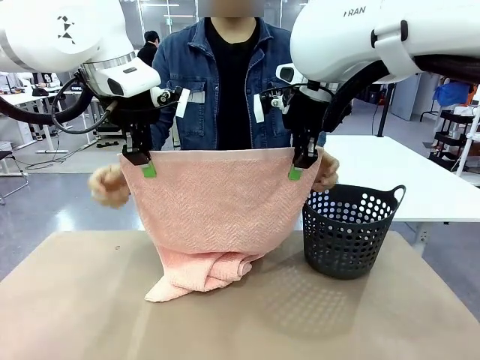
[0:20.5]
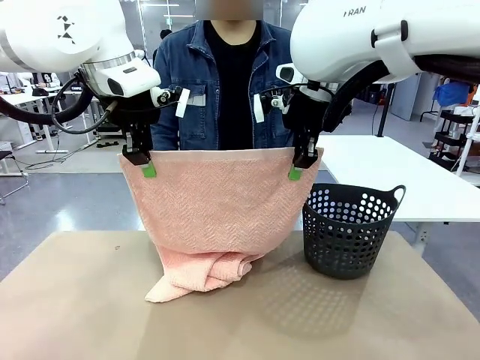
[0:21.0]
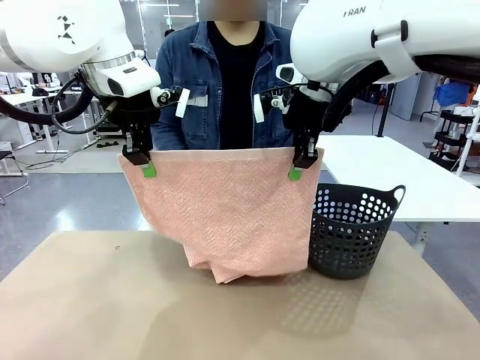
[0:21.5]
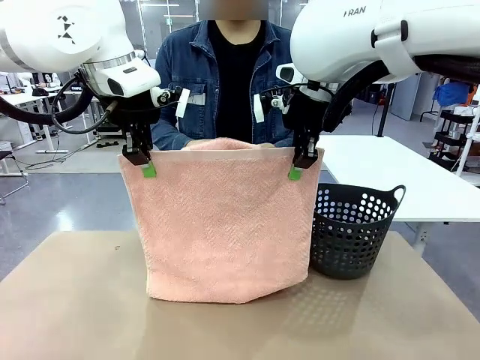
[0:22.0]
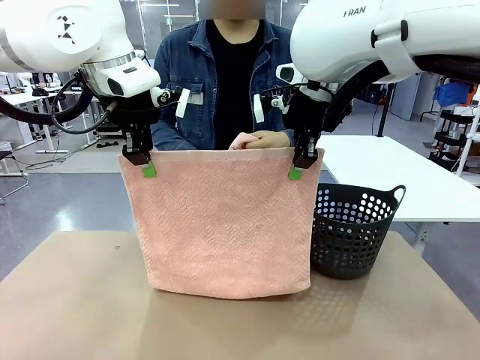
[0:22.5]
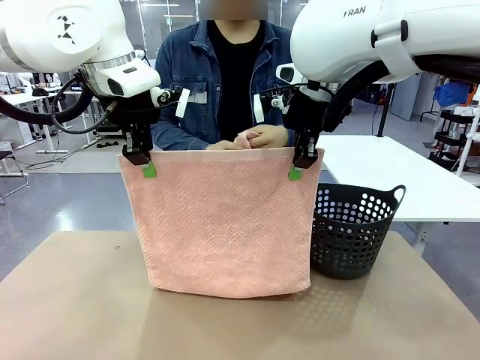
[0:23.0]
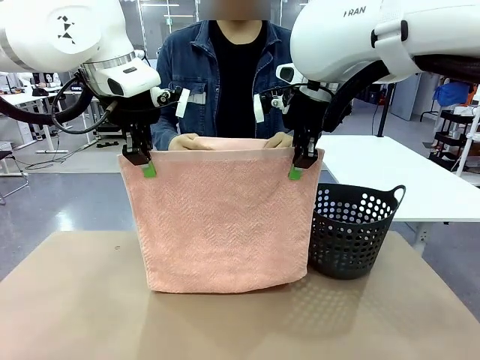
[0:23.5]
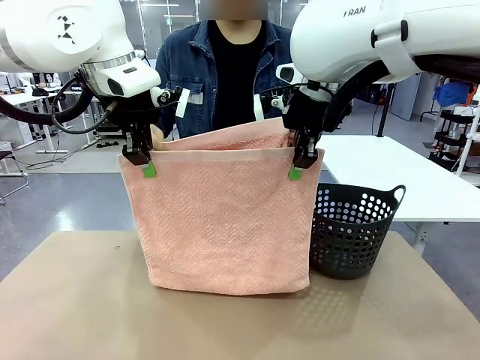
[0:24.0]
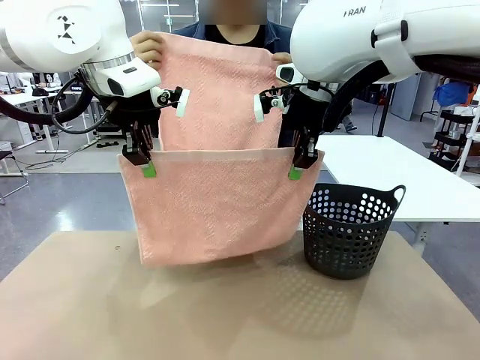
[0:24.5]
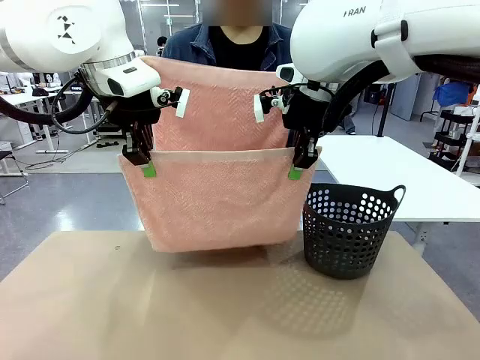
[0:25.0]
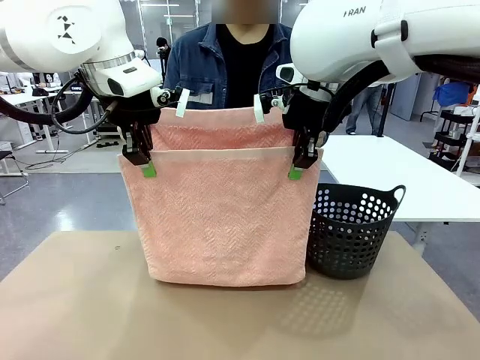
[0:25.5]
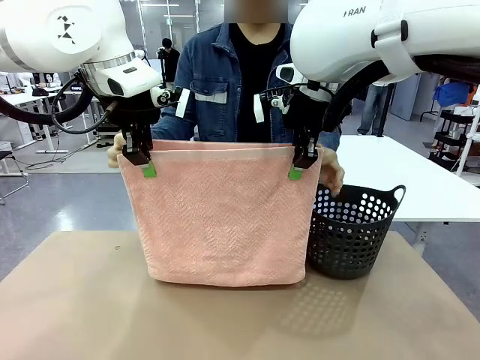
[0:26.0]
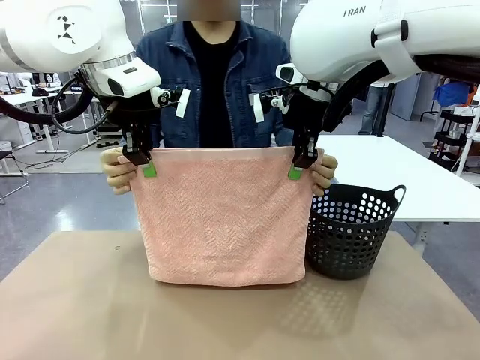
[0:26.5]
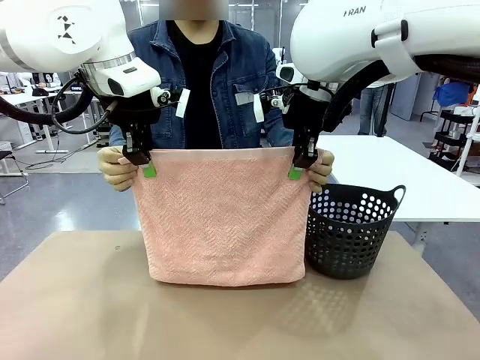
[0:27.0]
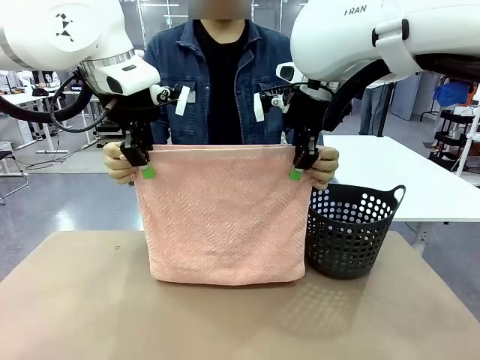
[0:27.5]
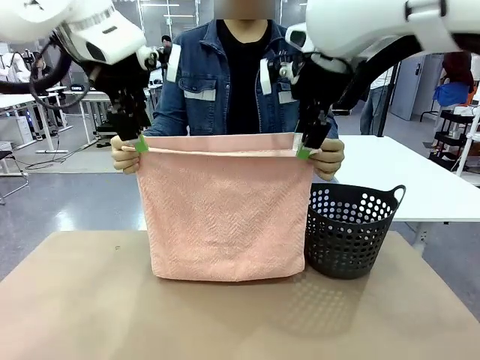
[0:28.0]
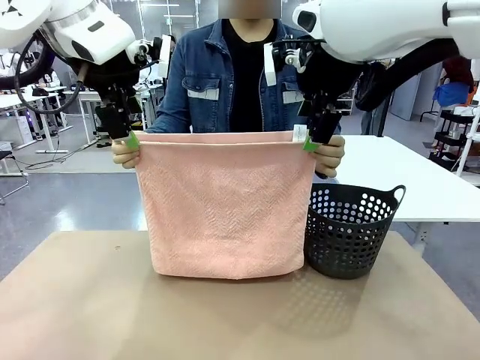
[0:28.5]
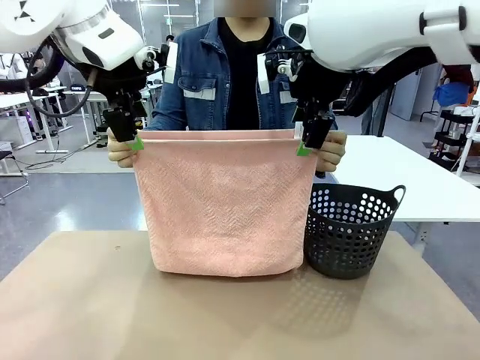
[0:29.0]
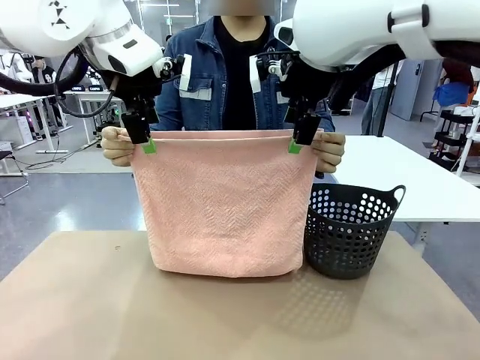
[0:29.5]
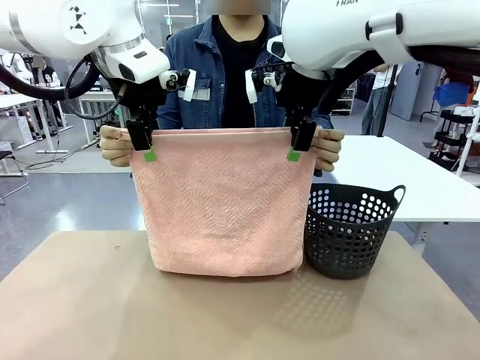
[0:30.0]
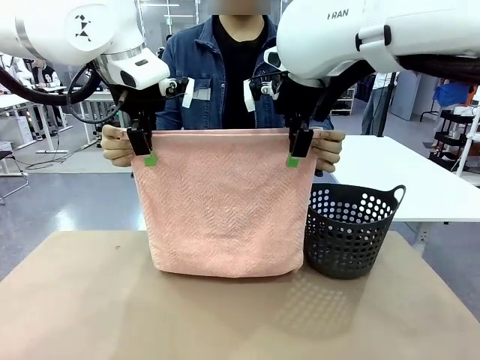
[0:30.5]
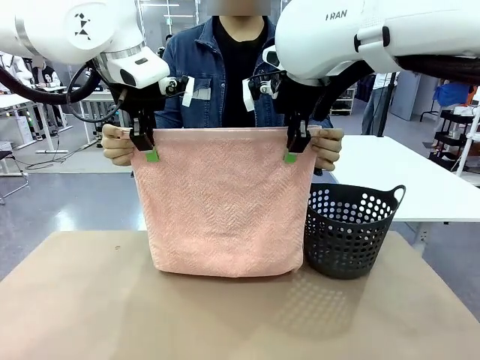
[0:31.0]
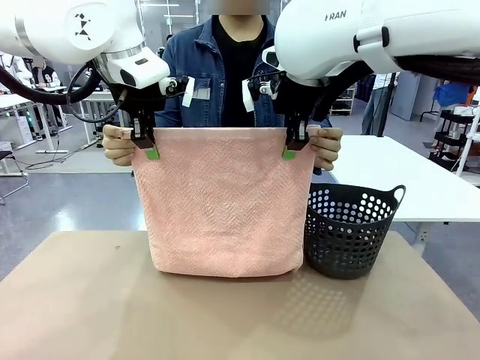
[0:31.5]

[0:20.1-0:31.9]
Task: Fold the towel.
Robot: Release the end of the 100 cm Hotel Towel you were holding and grab the top end of the folded side.

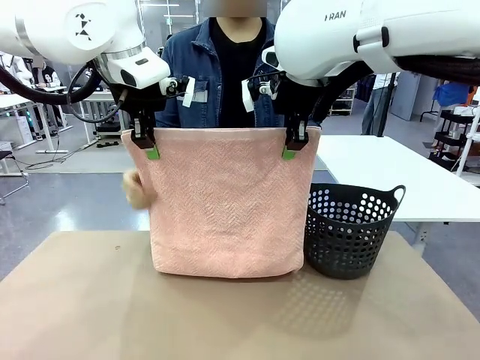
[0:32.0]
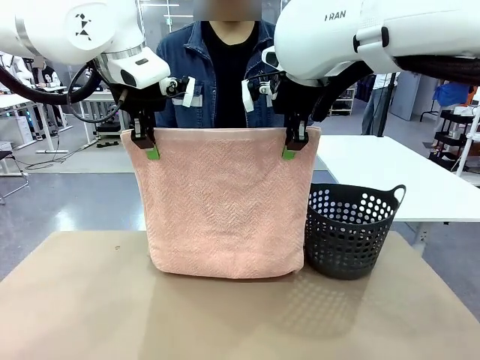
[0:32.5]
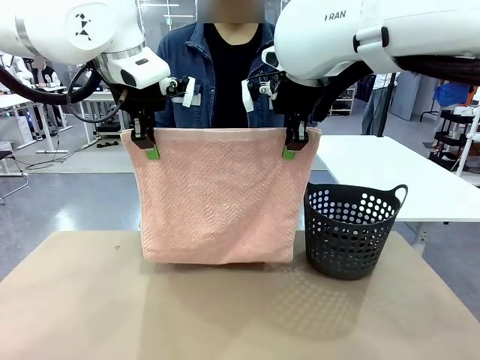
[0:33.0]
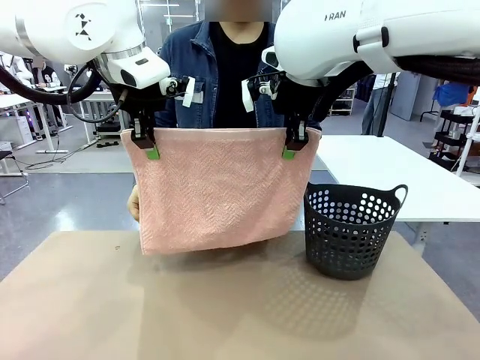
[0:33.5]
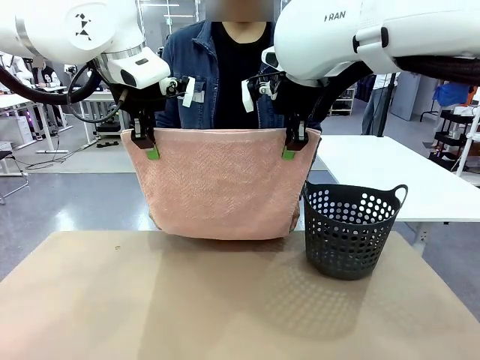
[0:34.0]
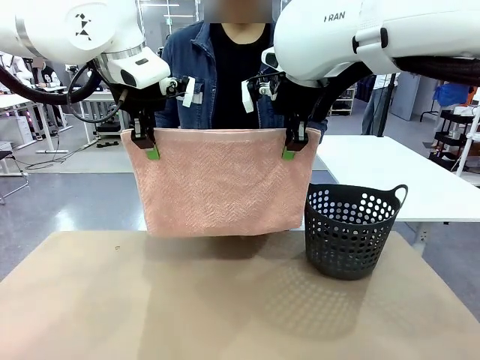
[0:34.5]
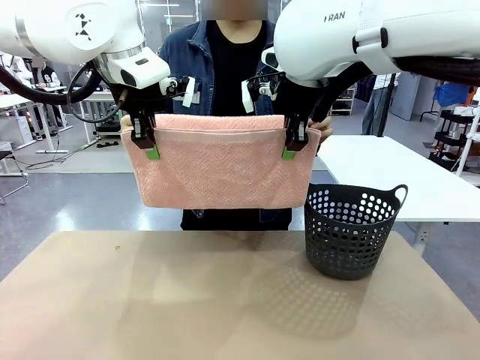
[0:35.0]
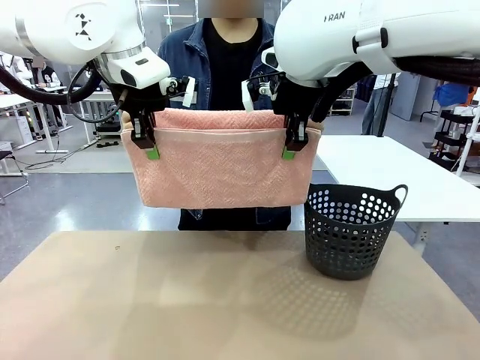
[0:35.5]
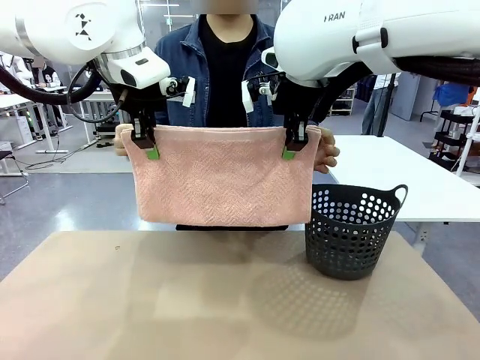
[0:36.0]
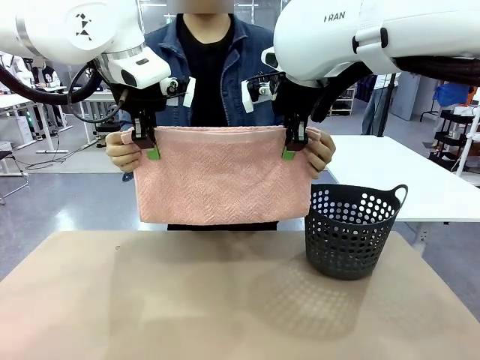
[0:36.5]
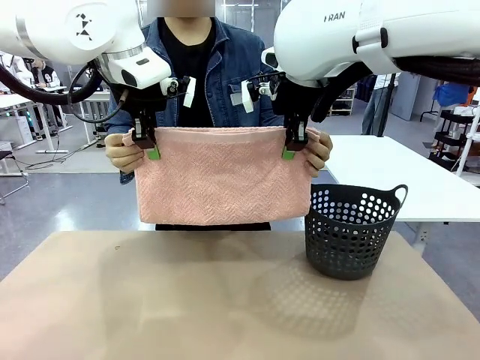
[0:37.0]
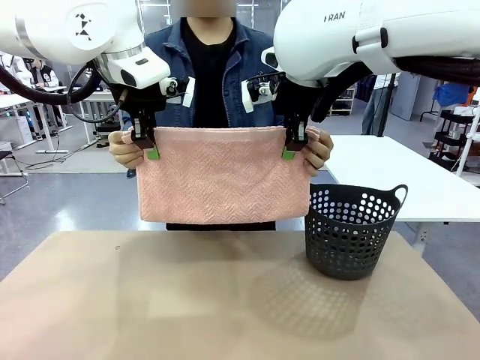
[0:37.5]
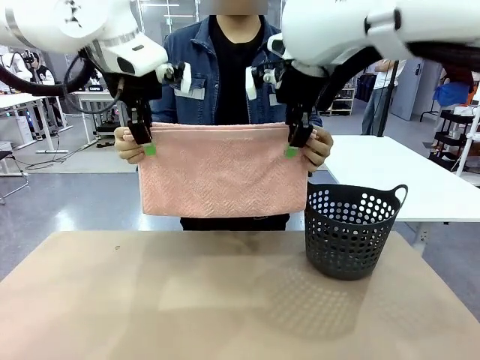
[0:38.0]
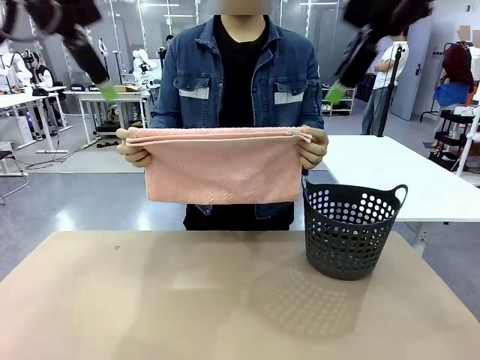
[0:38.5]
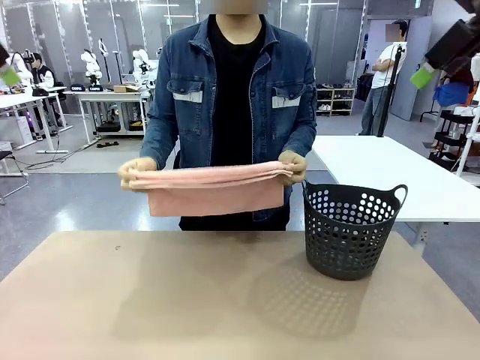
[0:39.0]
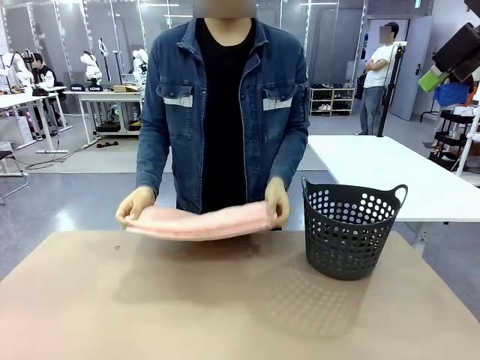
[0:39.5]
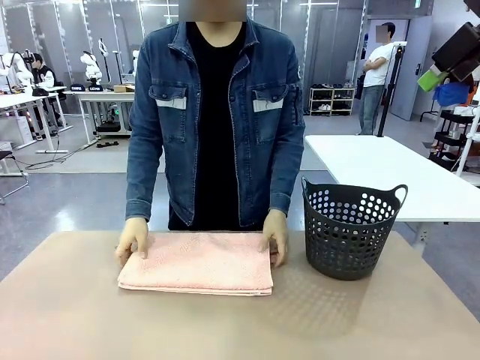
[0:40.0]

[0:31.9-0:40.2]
Robot: Release the end of the 100 cm Hotel Towel you were holding.

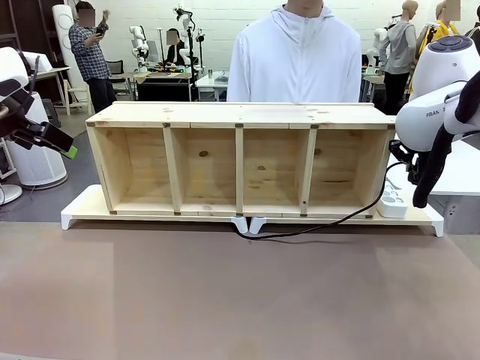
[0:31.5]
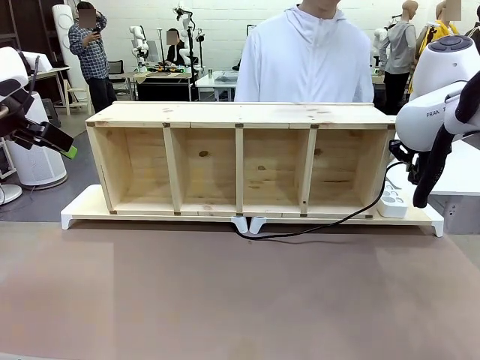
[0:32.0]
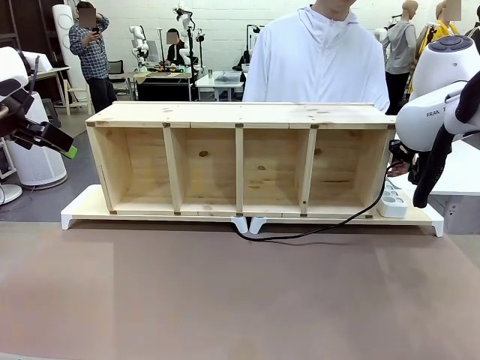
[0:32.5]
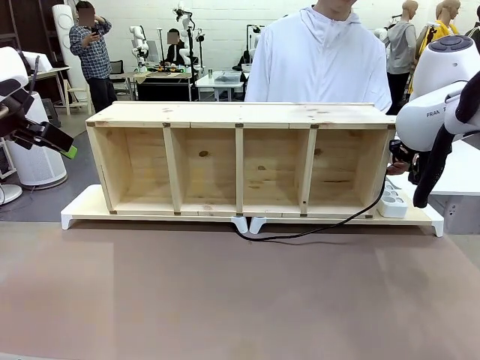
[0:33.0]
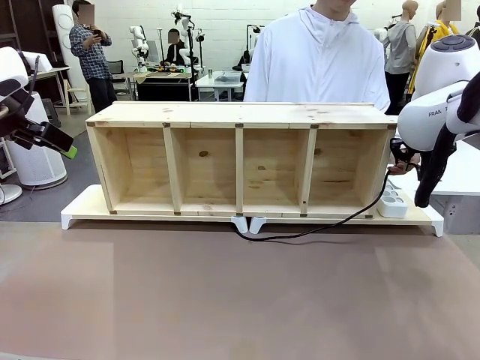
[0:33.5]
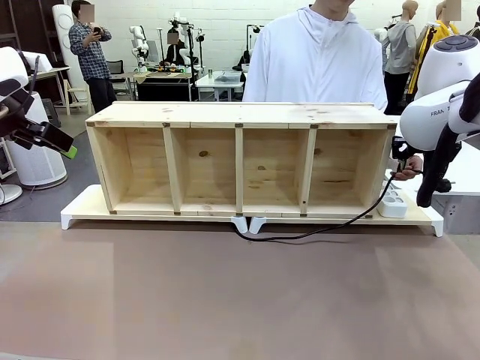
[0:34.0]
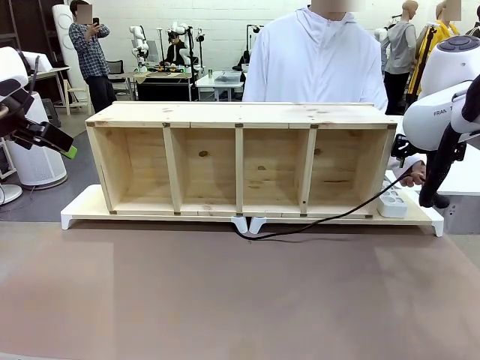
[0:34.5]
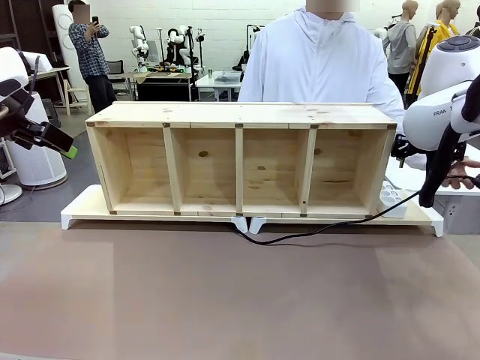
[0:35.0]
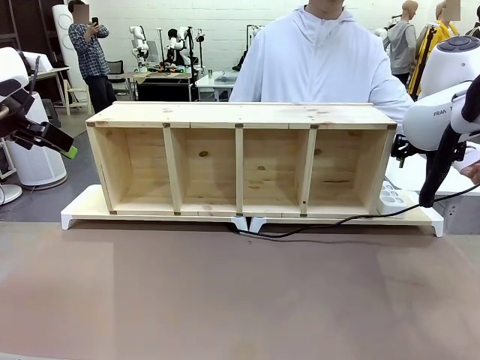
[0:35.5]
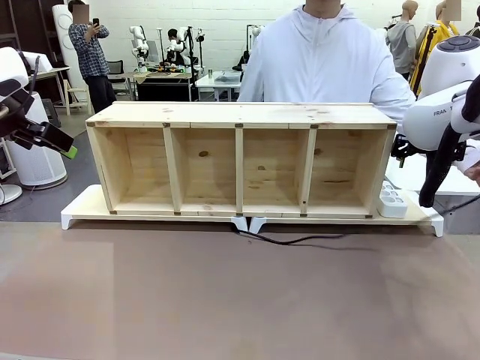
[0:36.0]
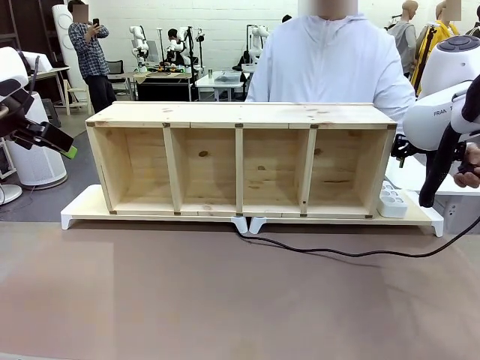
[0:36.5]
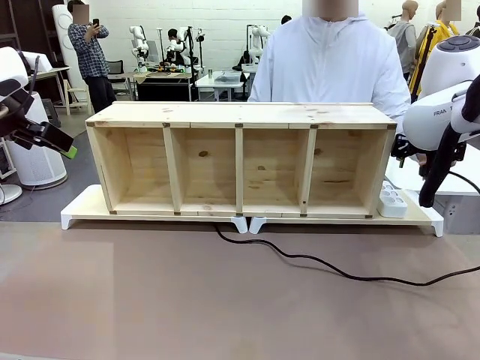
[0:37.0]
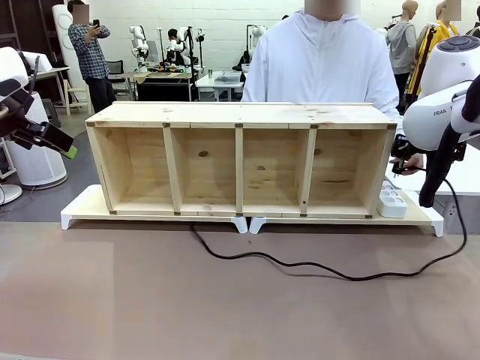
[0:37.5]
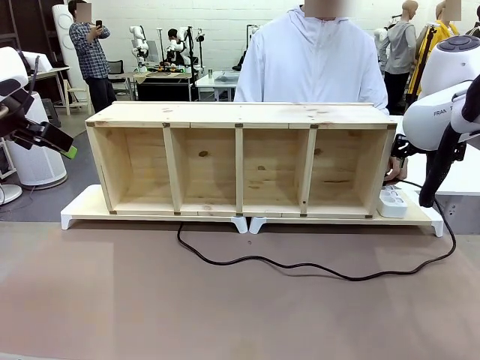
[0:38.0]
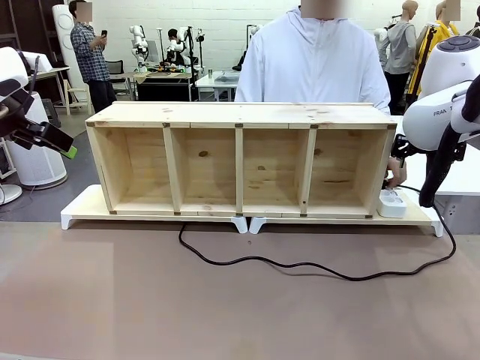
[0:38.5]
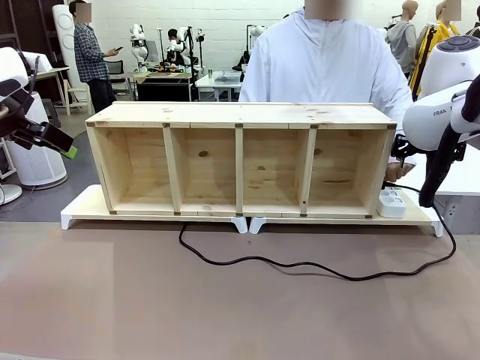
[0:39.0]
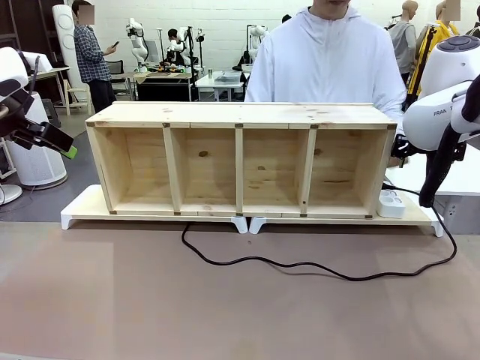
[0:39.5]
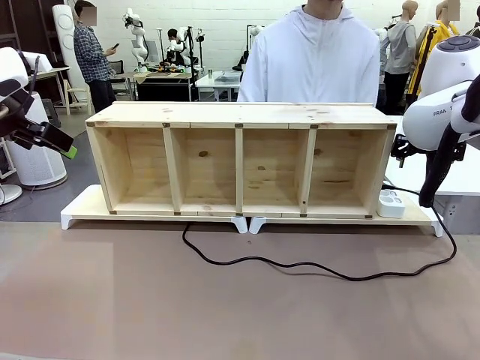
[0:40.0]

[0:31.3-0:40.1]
Task: Perform cable management.
Robot: Release the Power Cable when the human grasps it.
Person: Plug the Power Cable into the Power Strip.
